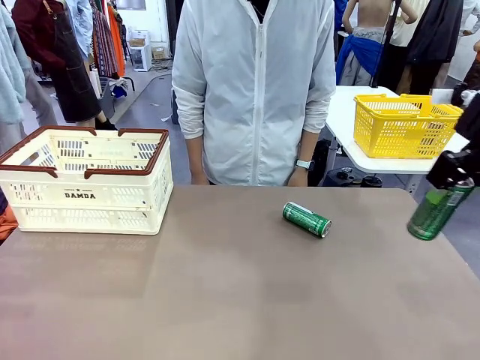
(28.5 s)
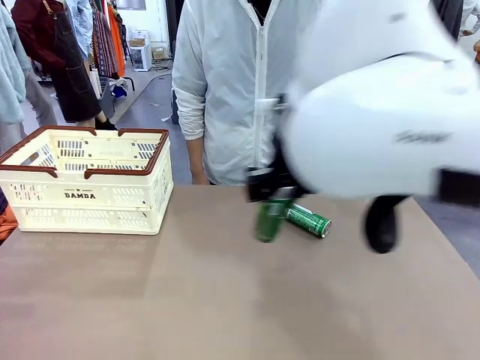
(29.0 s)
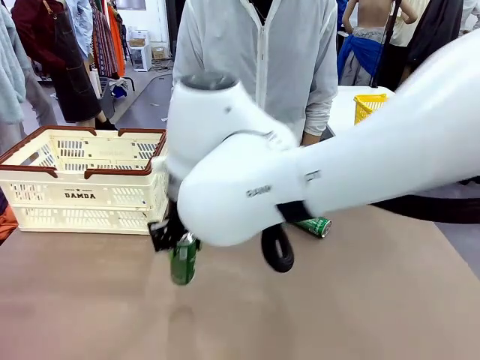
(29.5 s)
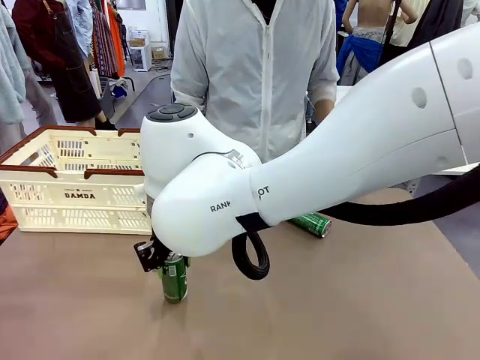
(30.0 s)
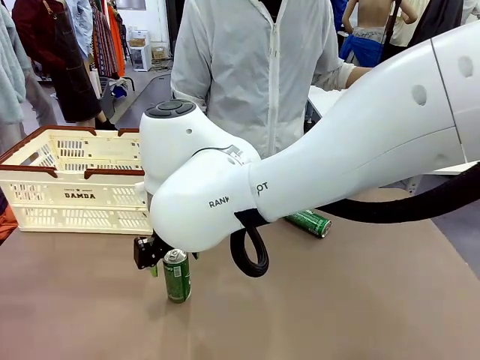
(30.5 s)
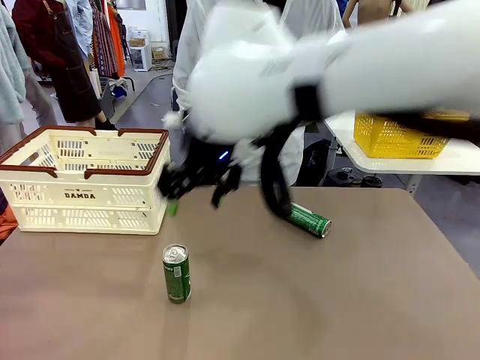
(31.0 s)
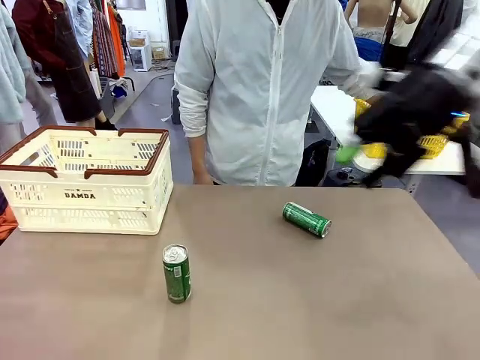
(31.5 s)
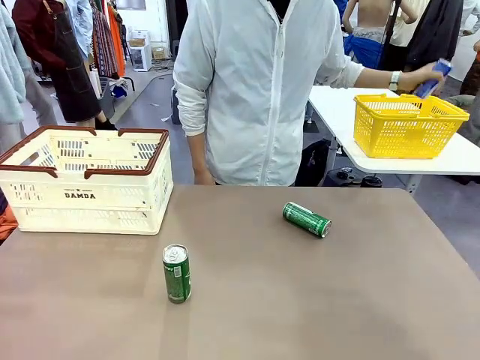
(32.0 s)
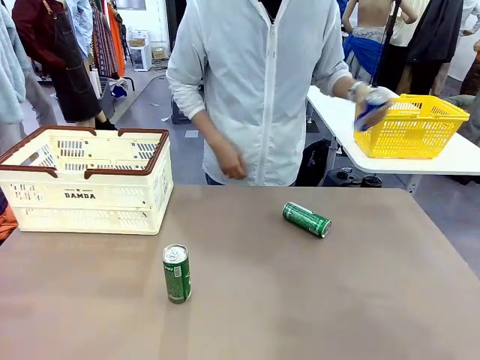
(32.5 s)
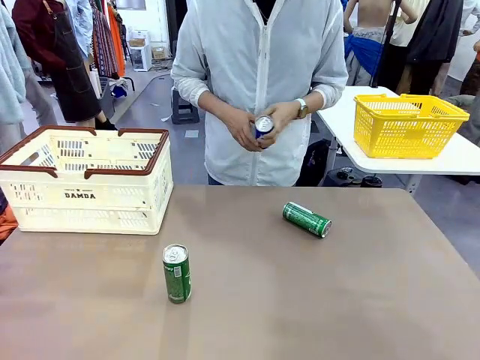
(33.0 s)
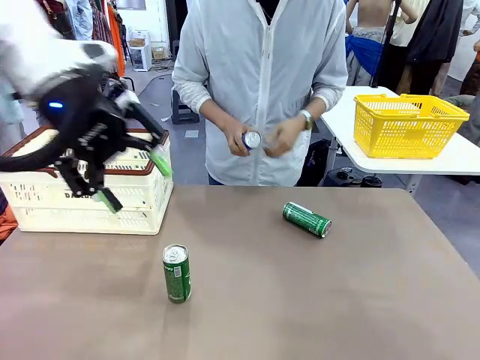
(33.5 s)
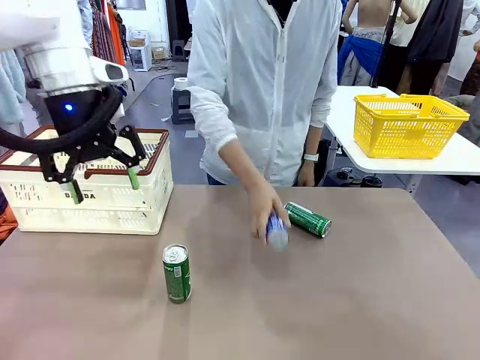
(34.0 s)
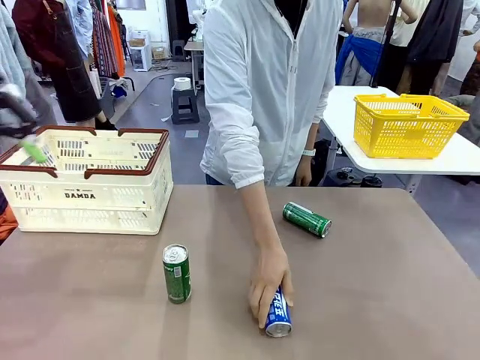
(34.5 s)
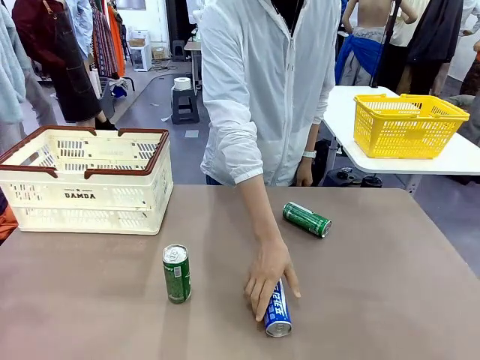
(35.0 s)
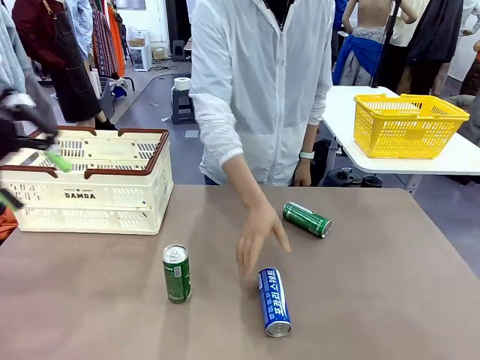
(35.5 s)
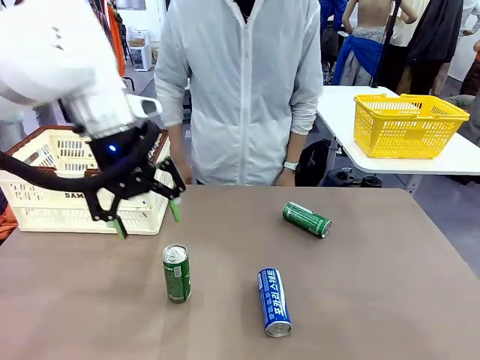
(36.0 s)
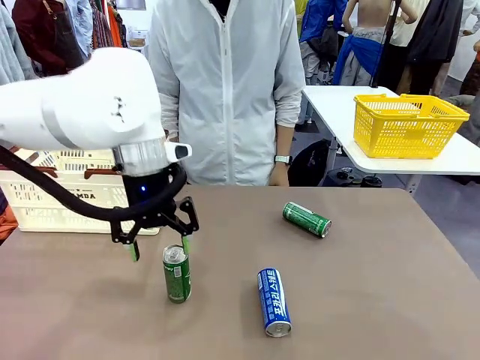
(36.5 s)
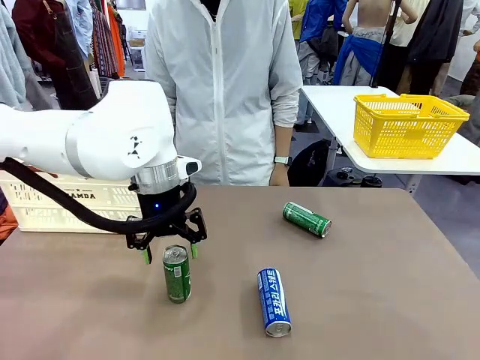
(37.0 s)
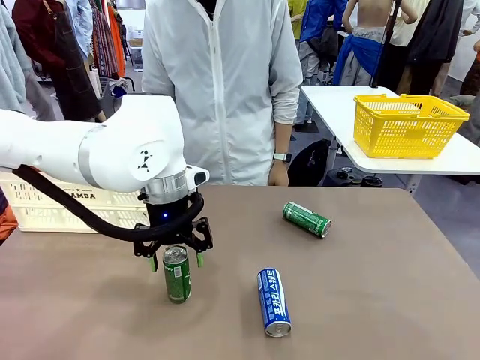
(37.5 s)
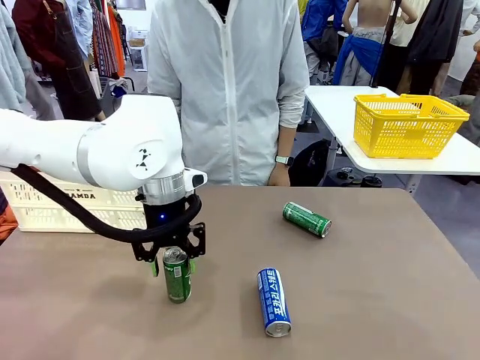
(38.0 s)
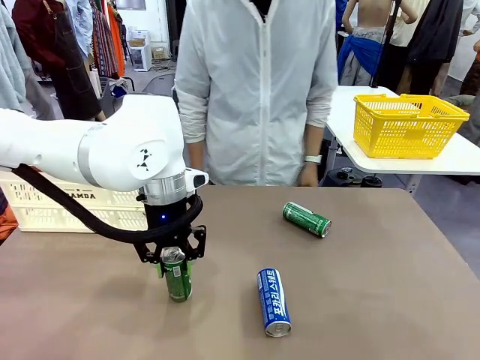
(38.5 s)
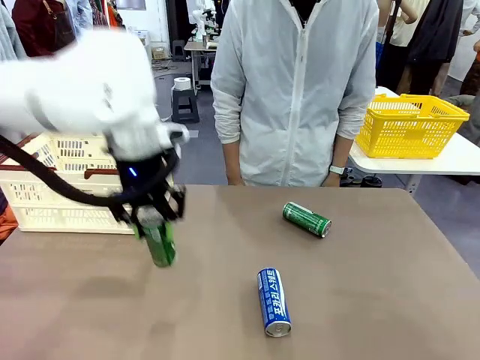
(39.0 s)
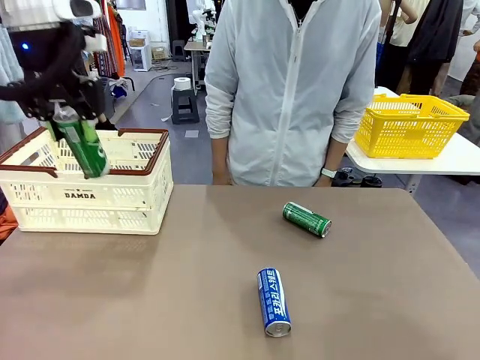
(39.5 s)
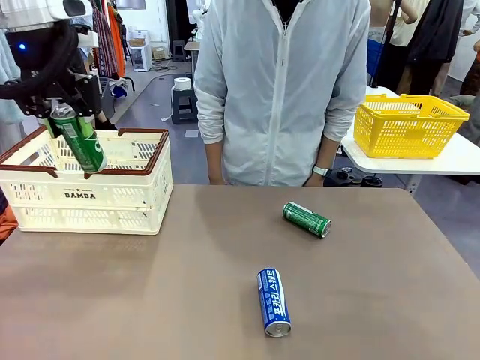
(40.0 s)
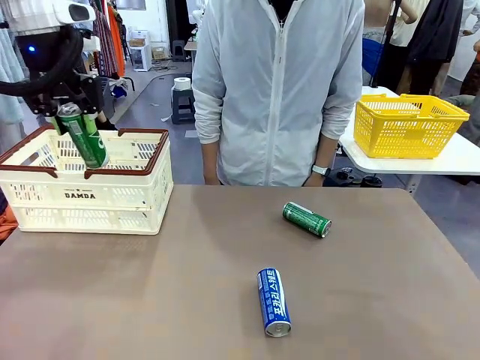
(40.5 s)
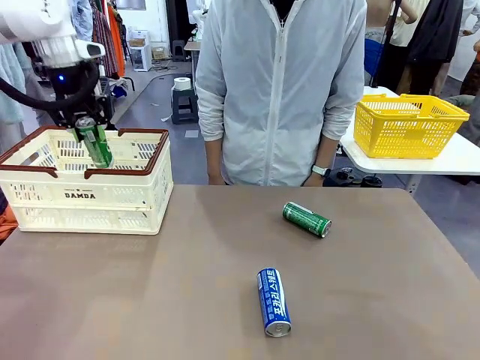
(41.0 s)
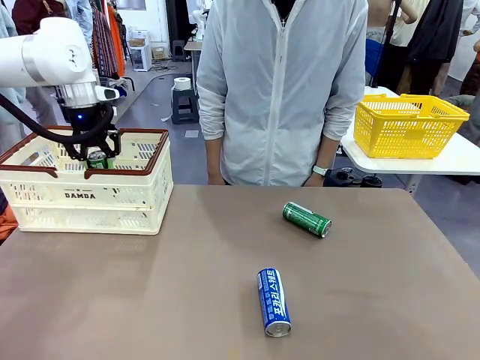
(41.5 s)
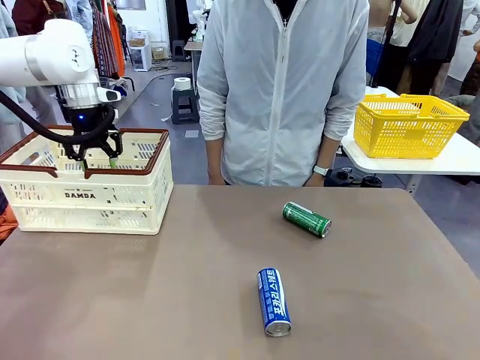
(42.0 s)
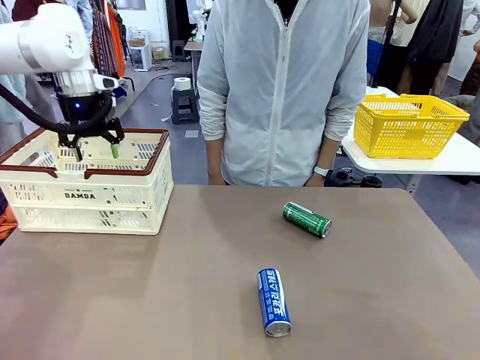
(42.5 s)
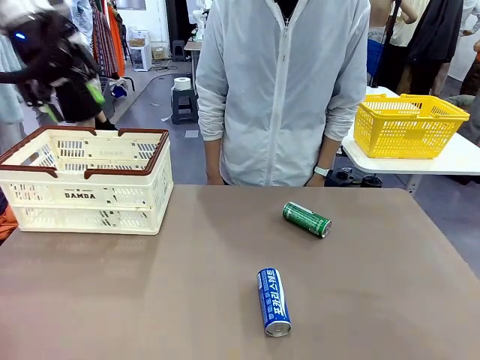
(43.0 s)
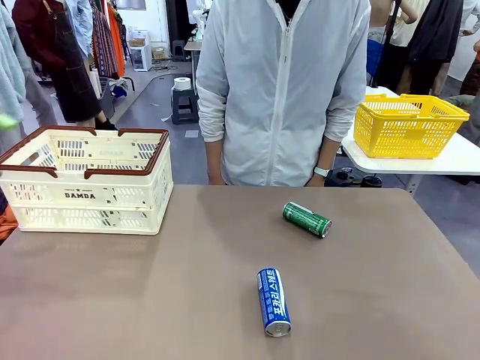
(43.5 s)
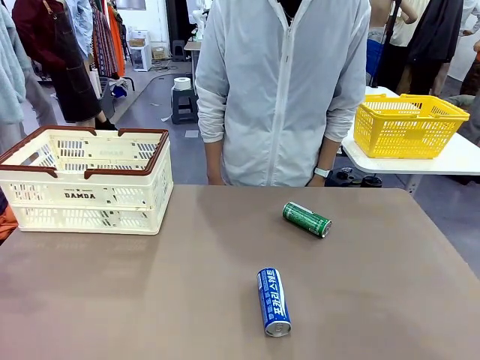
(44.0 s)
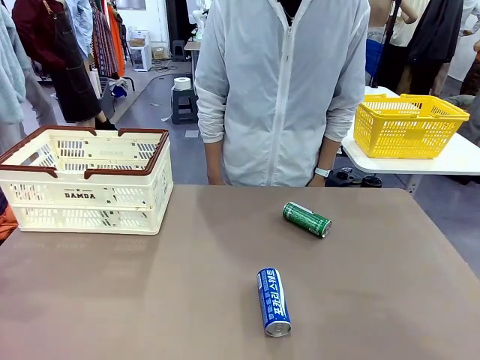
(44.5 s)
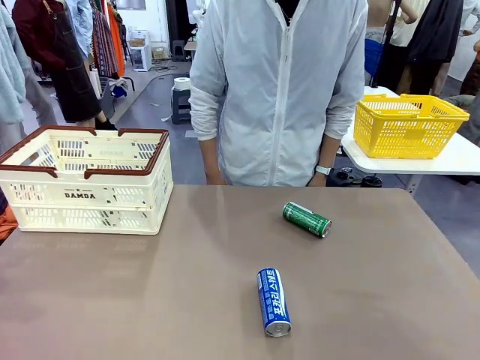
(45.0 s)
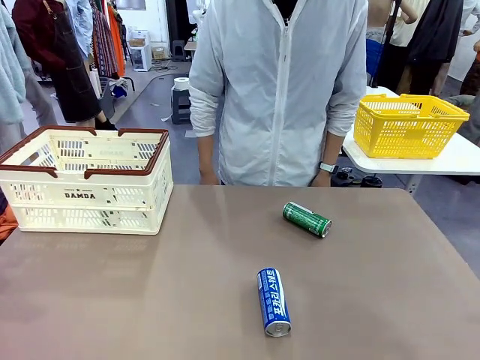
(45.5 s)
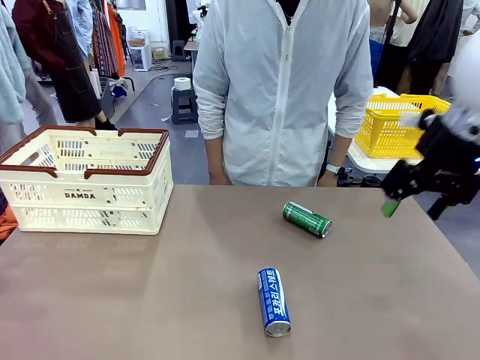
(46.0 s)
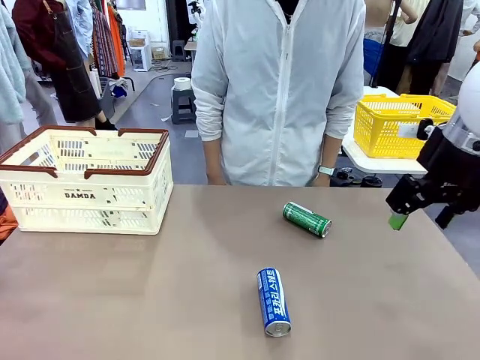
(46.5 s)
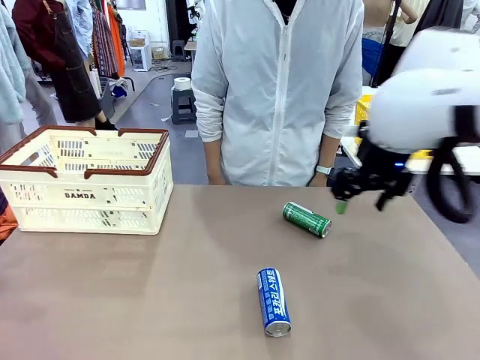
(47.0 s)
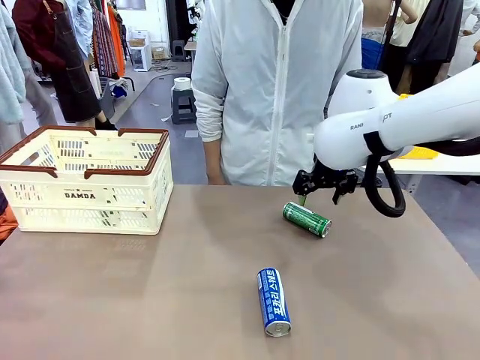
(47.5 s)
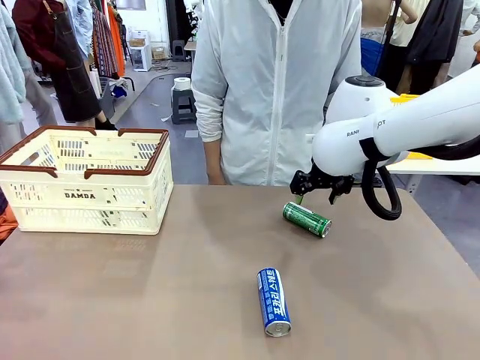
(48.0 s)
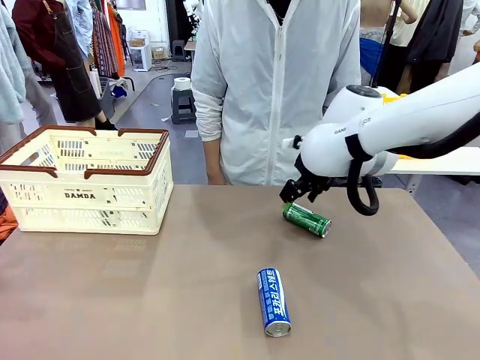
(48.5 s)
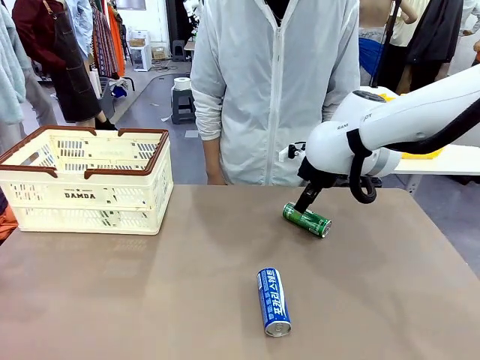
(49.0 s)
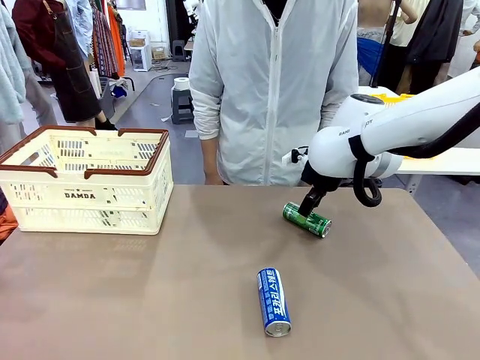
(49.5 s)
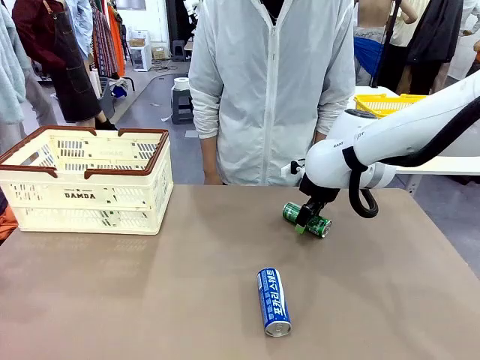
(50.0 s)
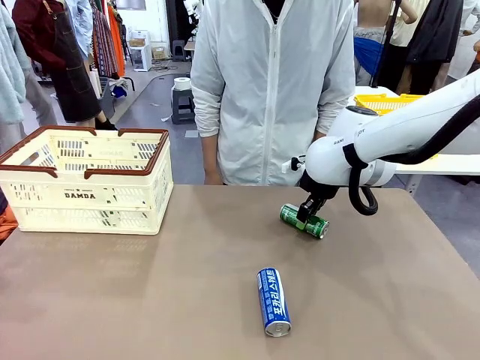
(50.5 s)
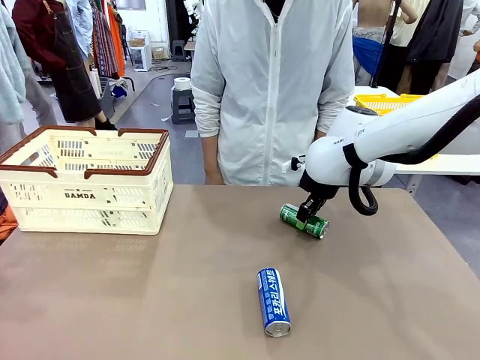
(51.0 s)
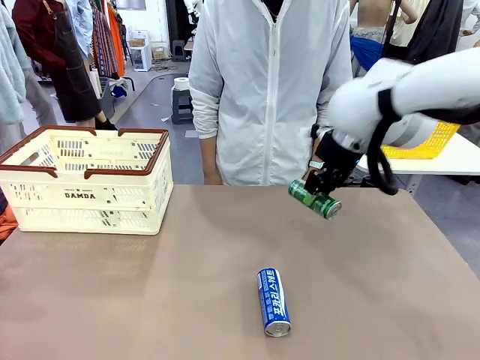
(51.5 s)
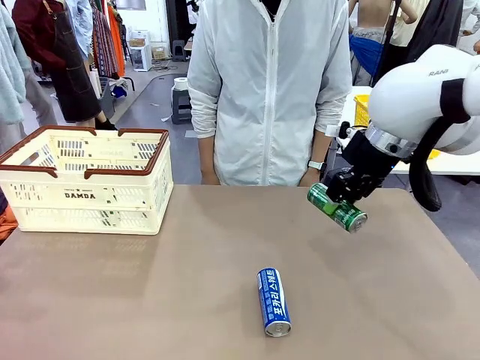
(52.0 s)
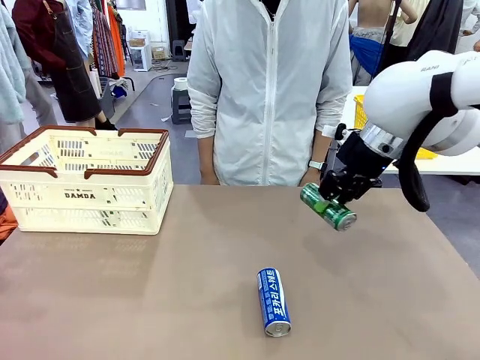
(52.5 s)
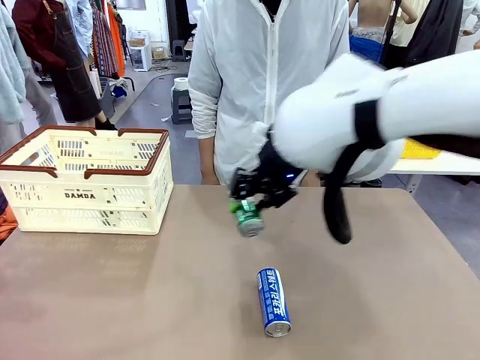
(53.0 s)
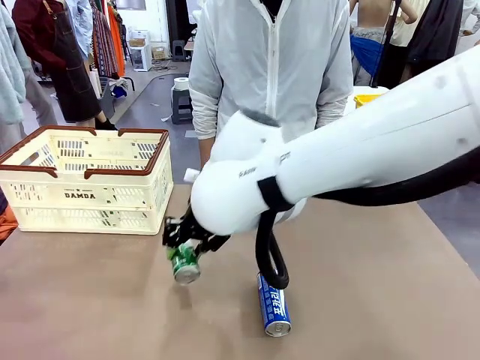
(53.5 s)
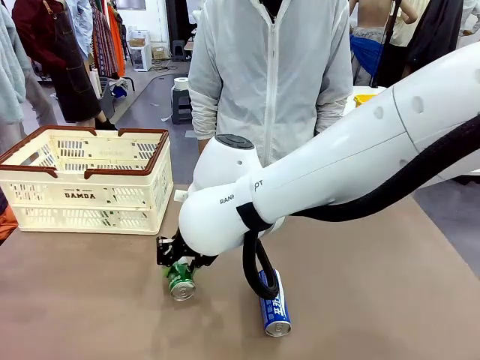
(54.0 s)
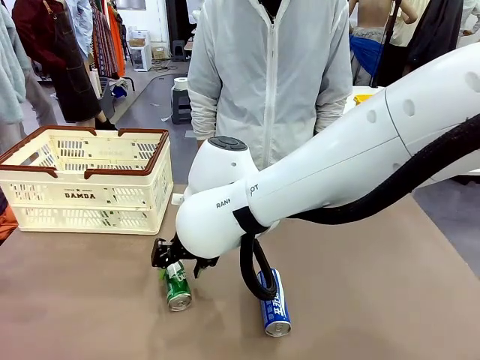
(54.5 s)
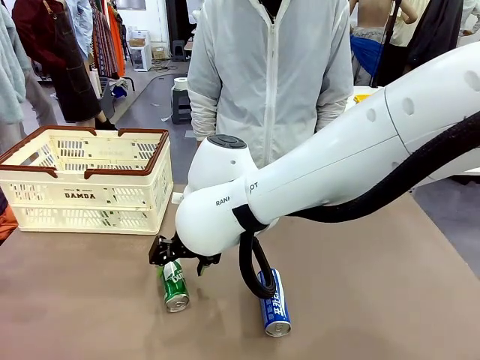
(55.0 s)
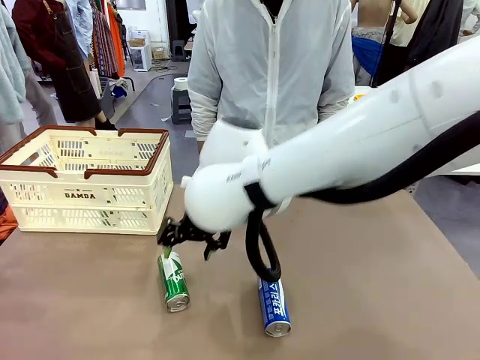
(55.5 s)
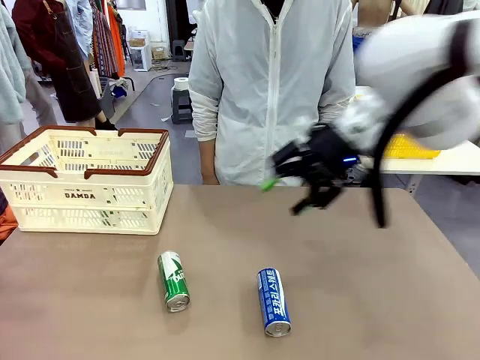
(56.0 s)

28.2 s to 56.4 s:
Task: Place the drinks into the Shopping basket.
Robot: Pick up one drink and place it into the Shopping basket.
